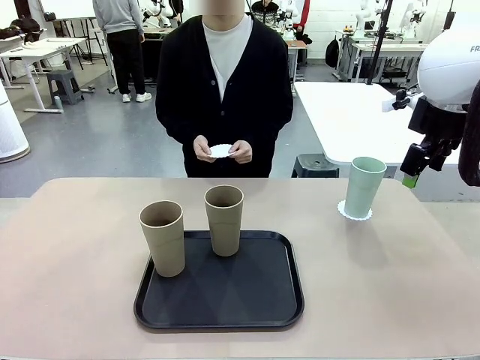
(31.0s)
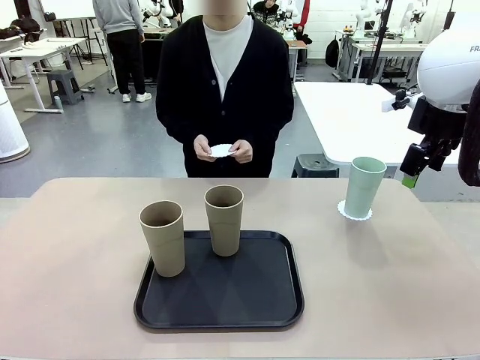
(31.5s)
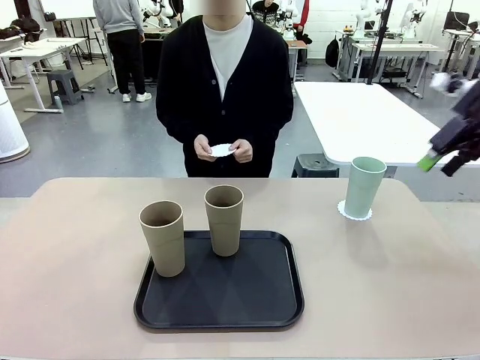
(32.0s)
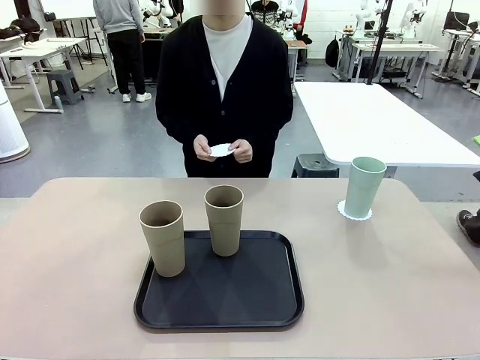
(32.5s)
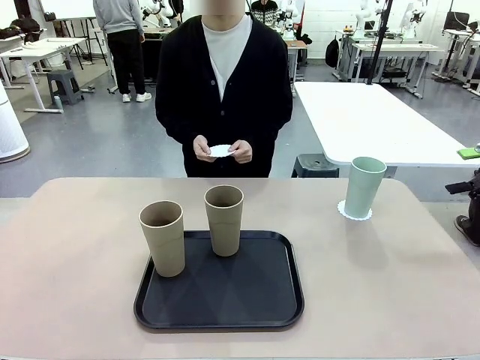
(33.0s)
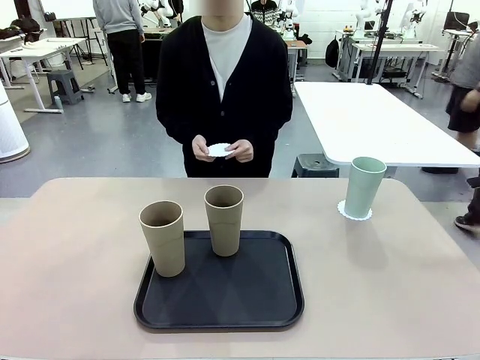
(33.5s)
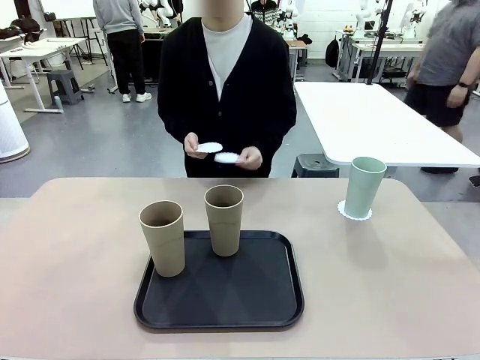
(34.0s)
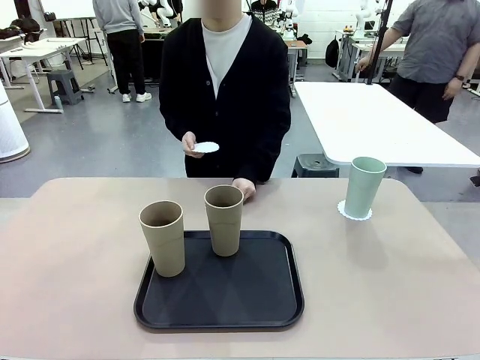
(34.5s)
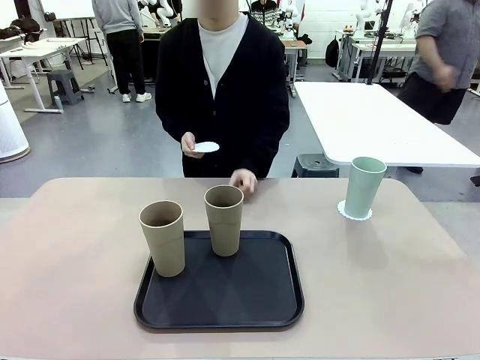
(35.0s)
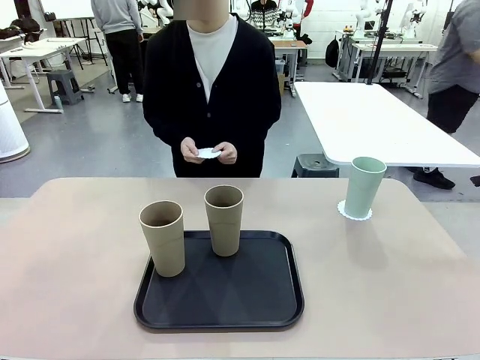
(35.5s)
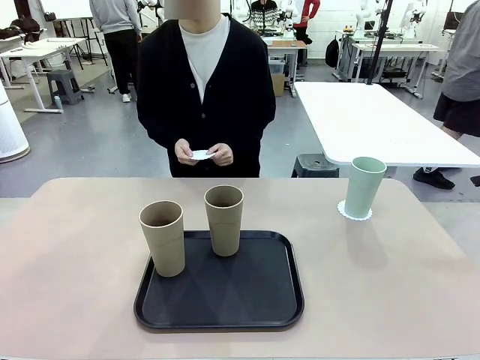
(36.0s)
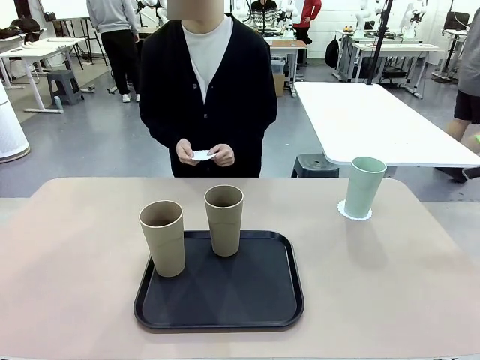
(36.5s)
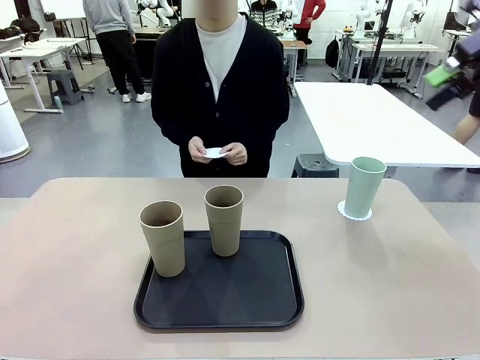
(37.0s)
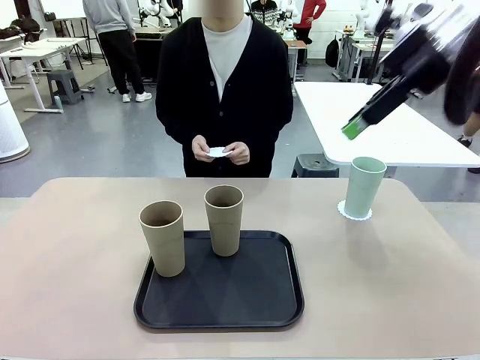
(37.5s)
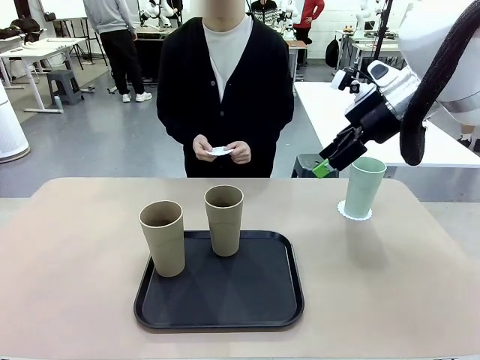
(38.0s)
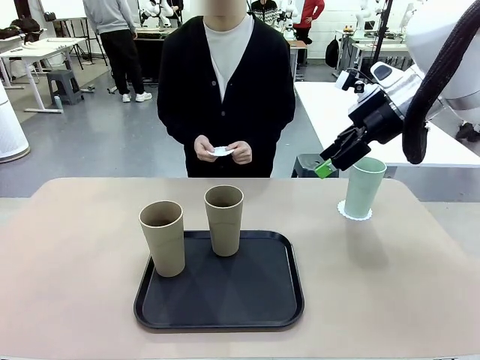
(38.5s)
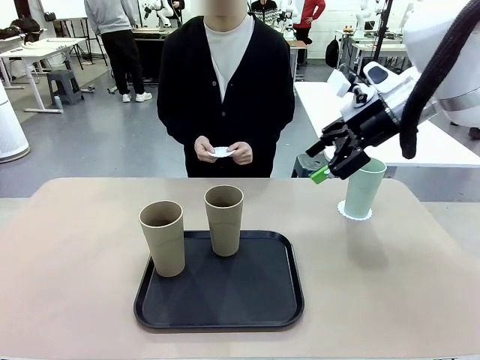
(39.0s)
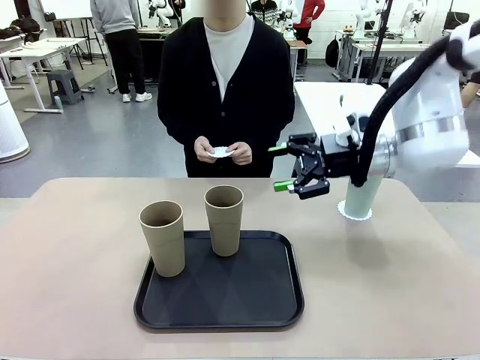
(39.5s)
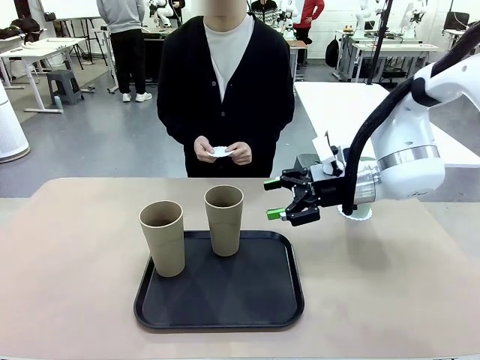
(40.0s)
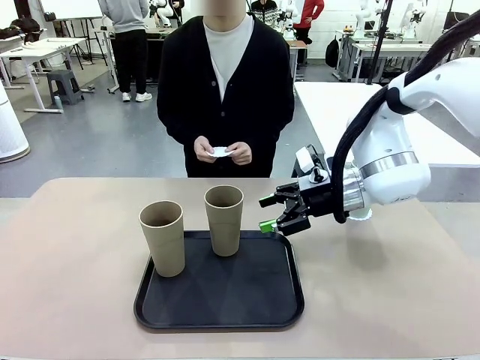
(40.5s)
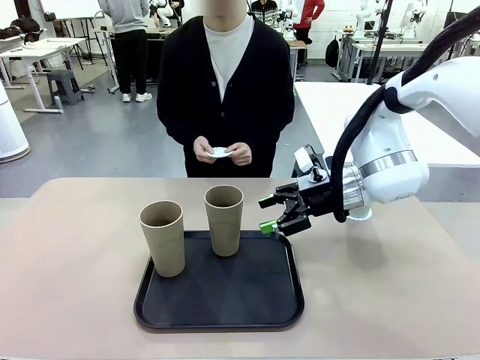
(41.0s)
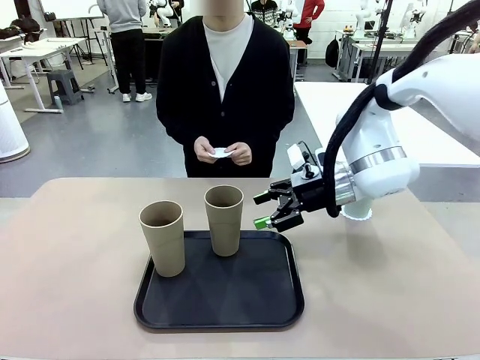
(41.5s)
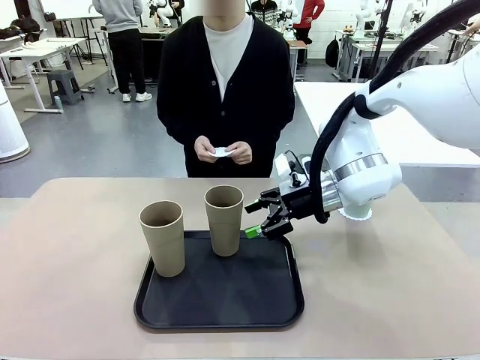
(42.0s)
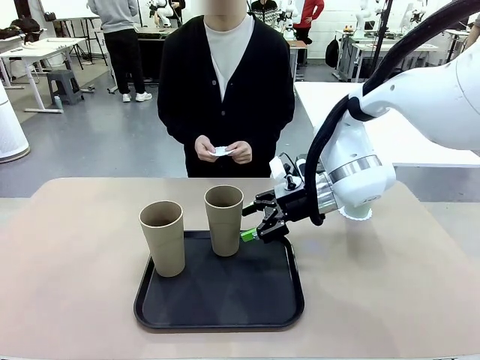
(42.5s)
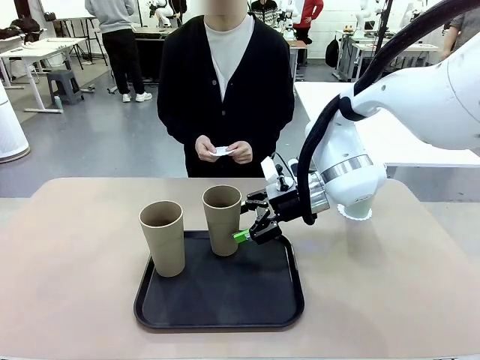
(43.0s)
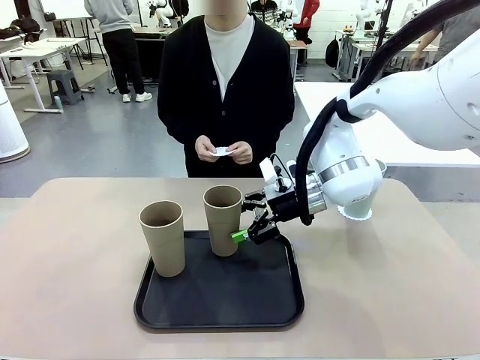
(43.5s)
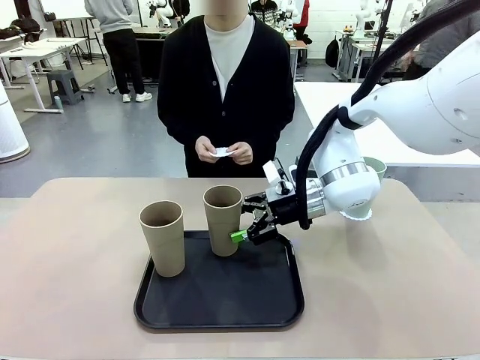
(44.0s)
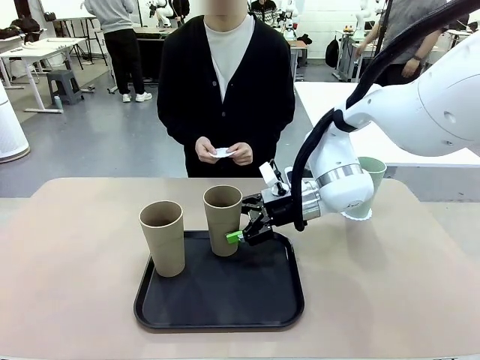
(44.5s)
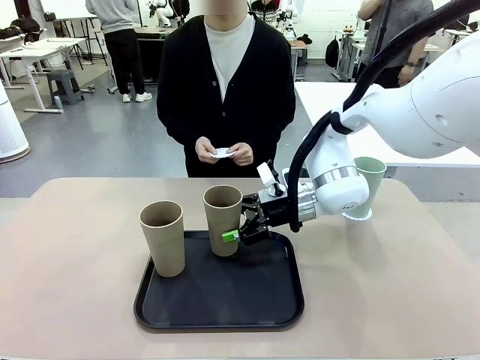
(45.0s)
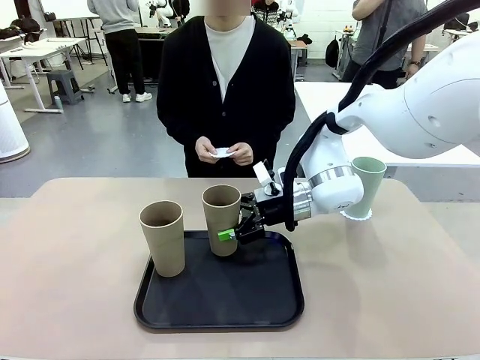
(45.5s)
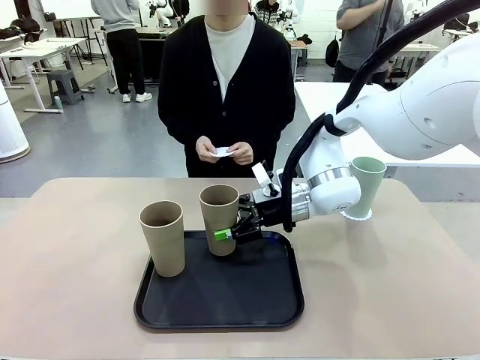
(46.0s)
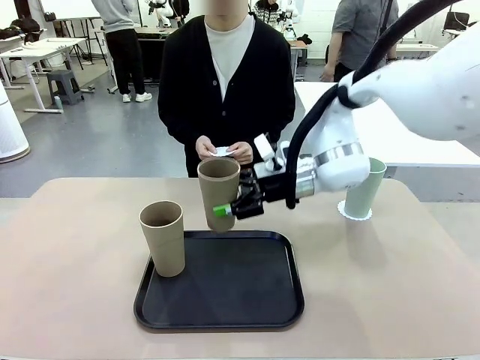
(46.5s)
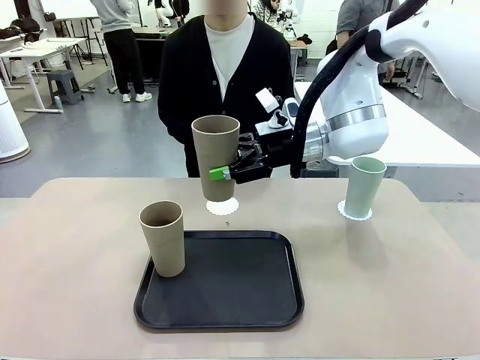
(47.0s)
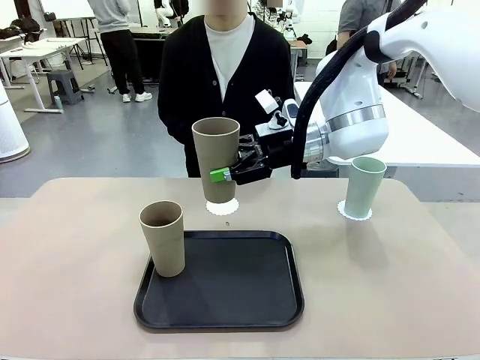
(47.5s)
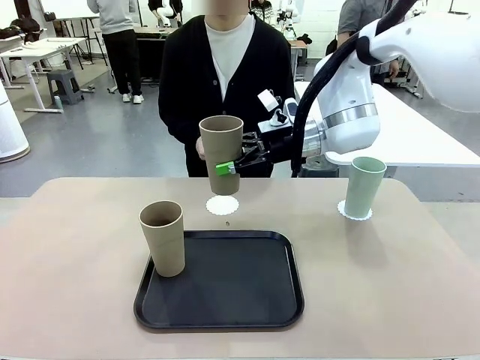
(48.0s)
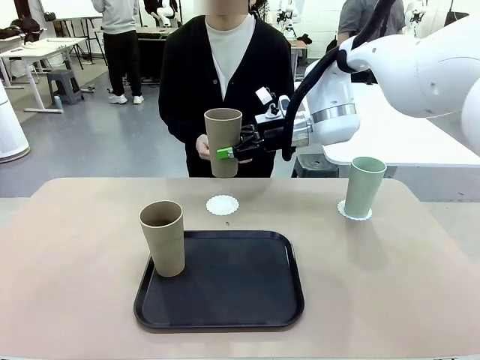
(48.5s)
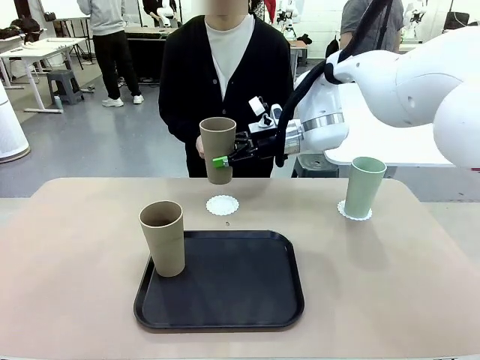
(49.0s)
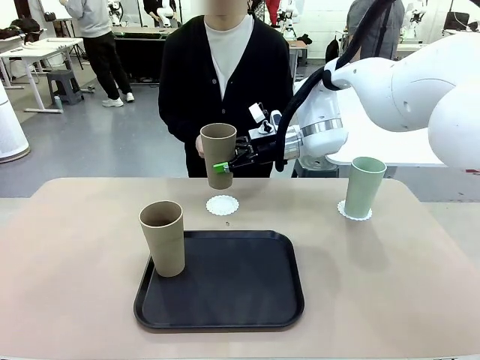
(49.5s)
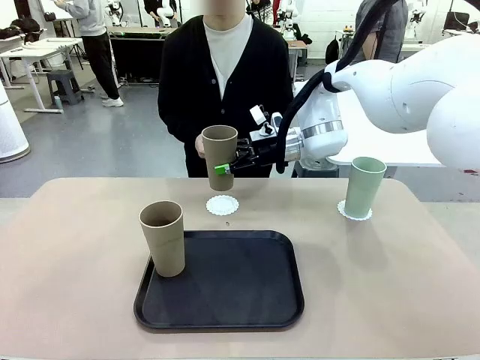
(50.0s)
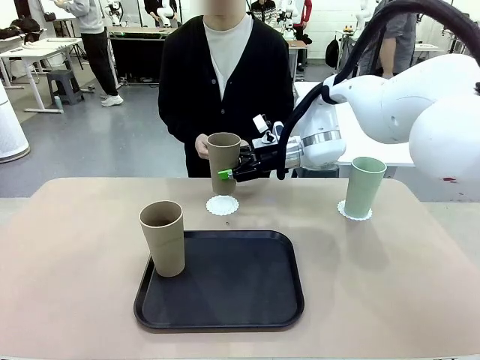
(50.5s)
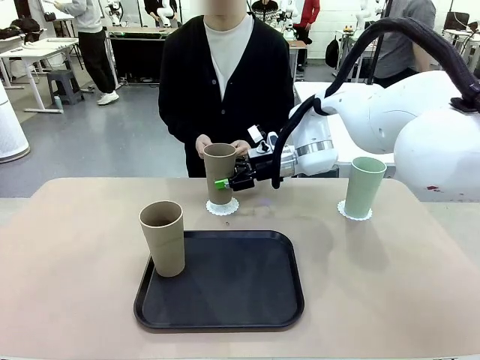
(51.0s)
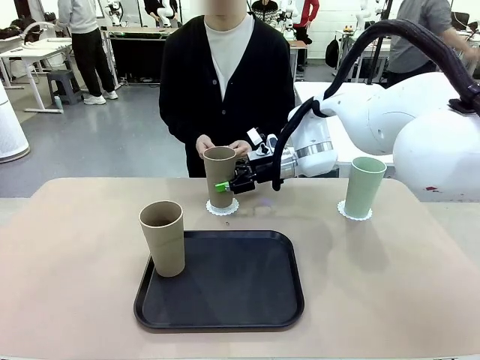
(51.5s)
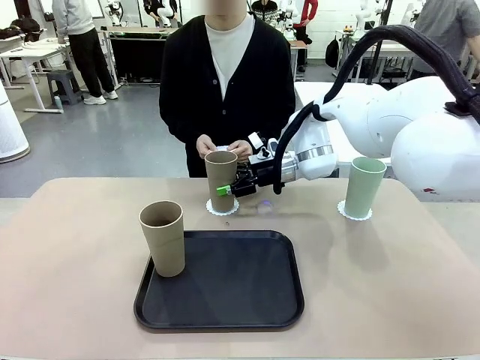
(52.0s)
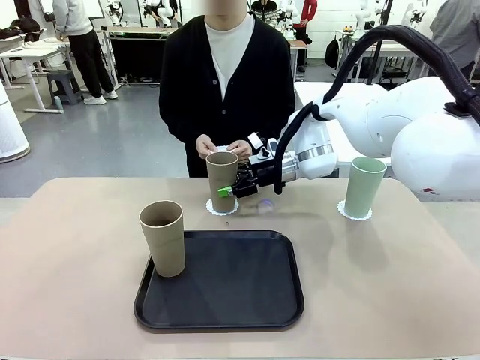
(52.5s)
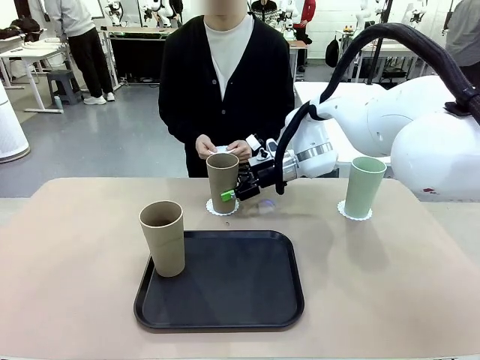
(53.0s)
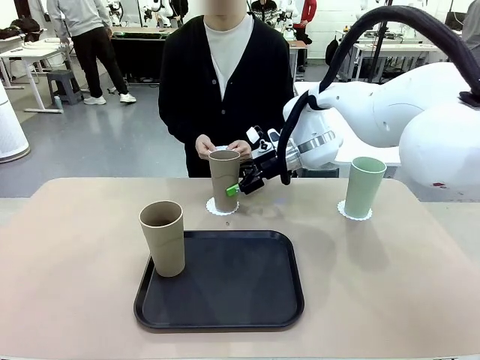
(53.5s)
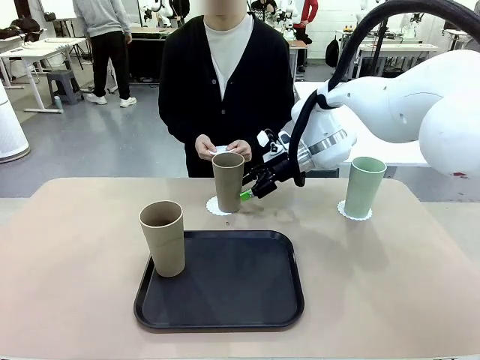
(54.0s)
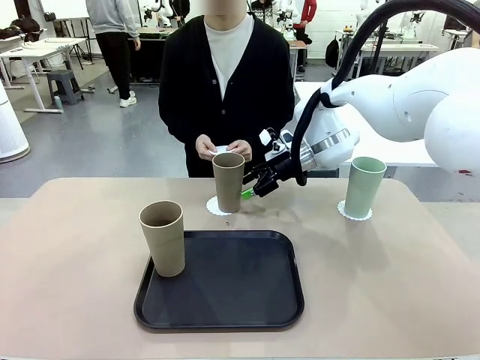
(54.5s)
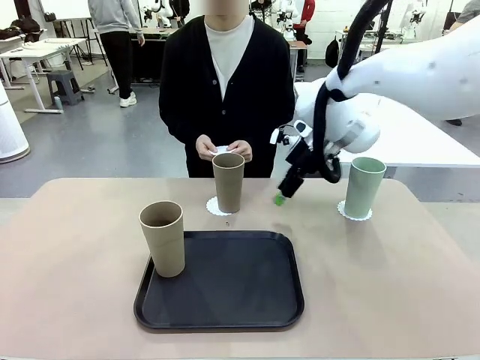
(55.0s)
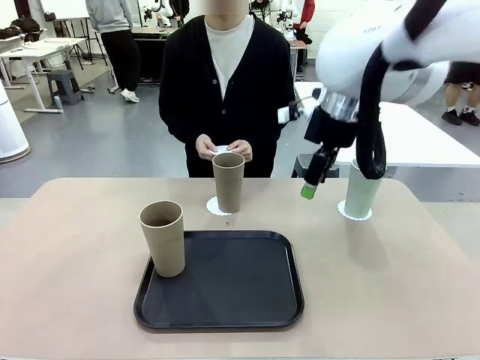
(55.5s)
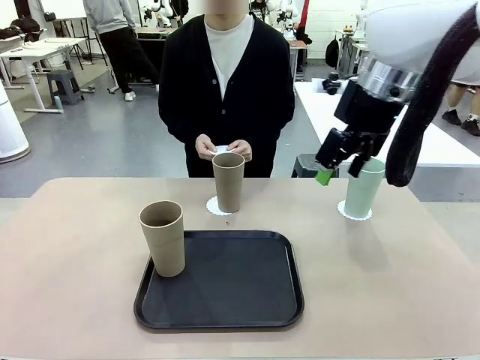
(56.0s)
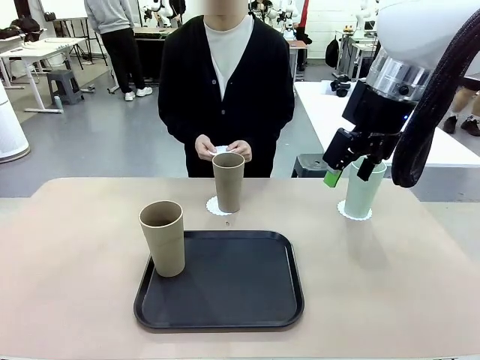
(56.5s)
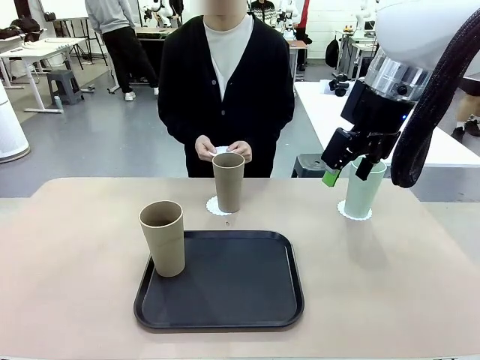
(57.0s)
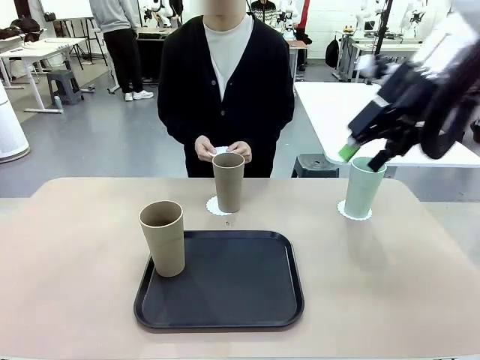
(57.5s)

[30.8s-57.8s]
Task: Place coasters on the table and set cups on them.
Robot: Take one Reusable plastic cup from the Flat Tray and place it on a coaster set by the human.
